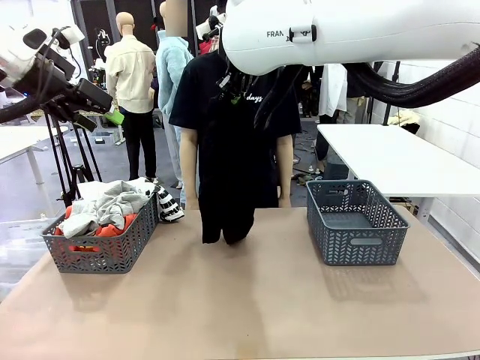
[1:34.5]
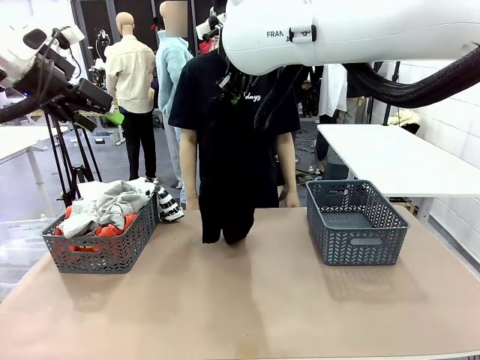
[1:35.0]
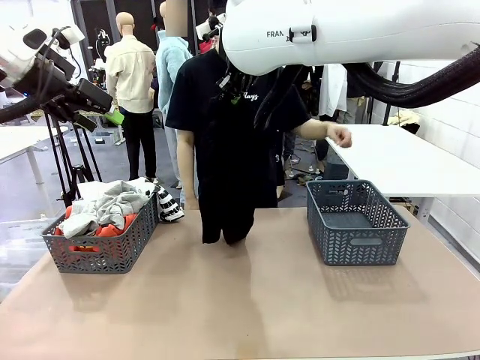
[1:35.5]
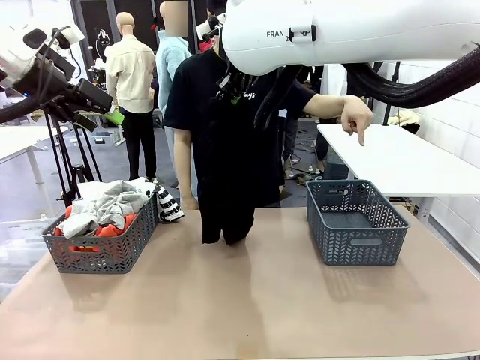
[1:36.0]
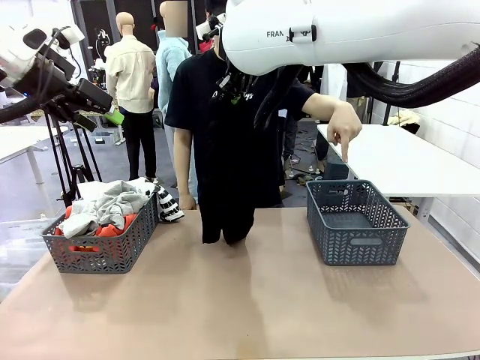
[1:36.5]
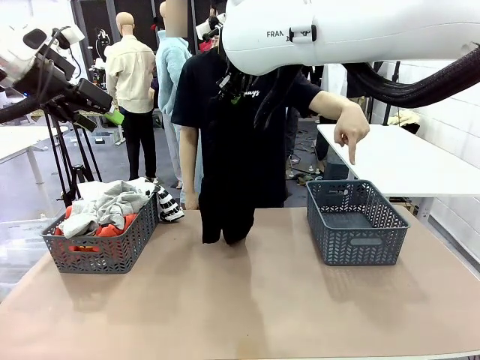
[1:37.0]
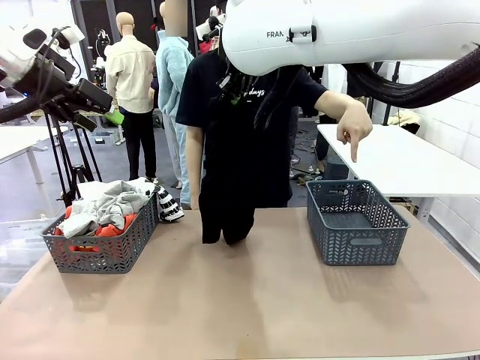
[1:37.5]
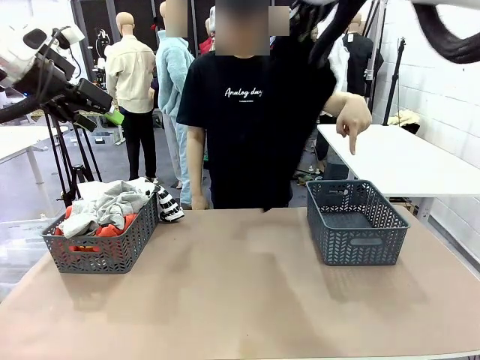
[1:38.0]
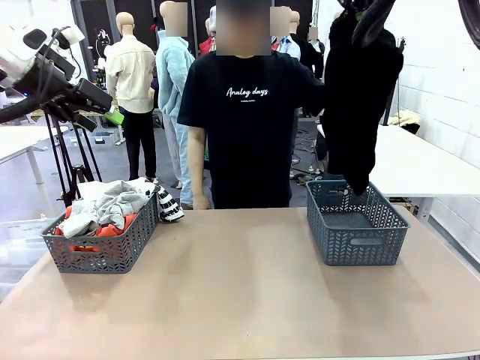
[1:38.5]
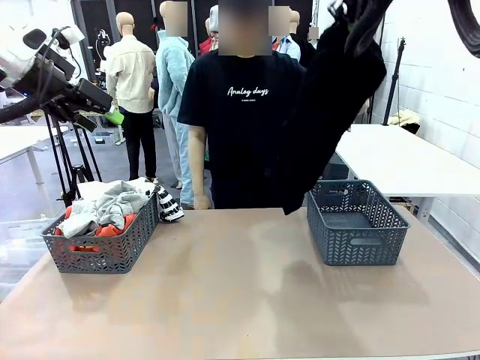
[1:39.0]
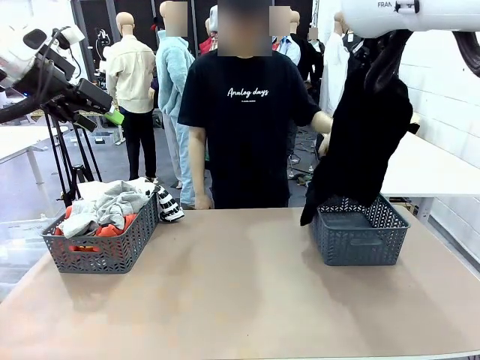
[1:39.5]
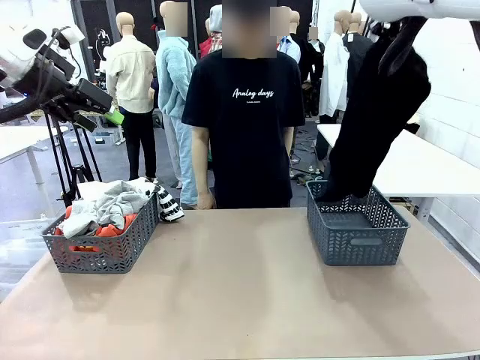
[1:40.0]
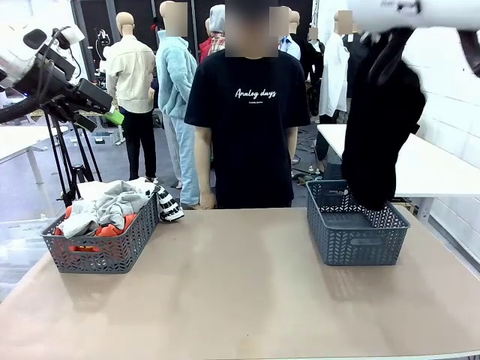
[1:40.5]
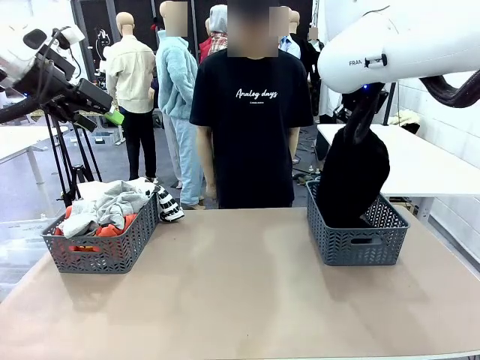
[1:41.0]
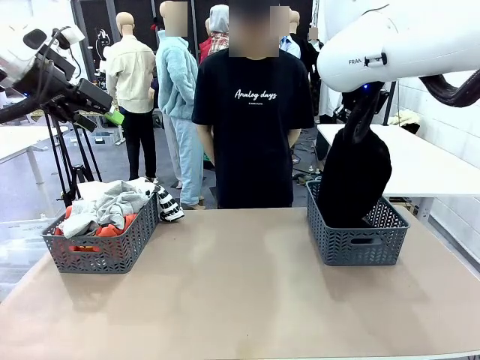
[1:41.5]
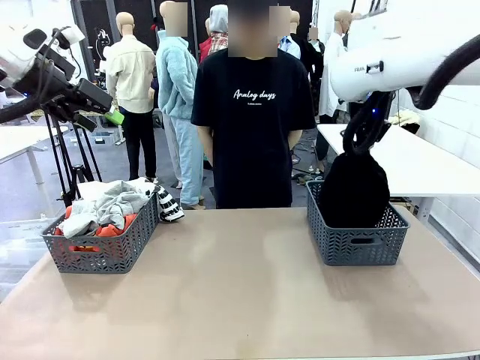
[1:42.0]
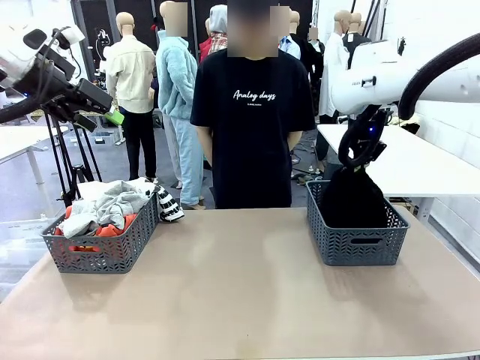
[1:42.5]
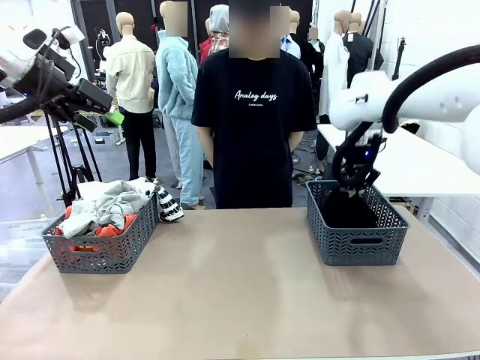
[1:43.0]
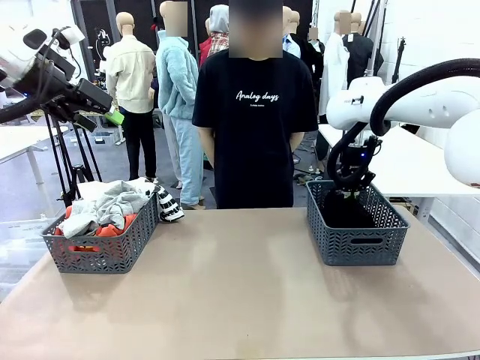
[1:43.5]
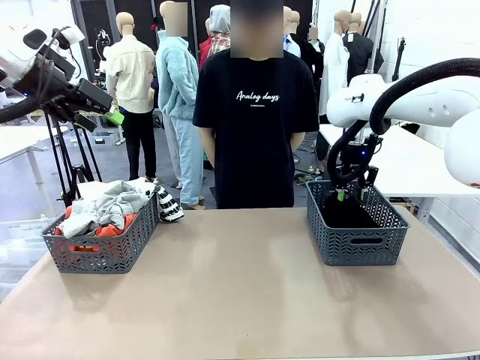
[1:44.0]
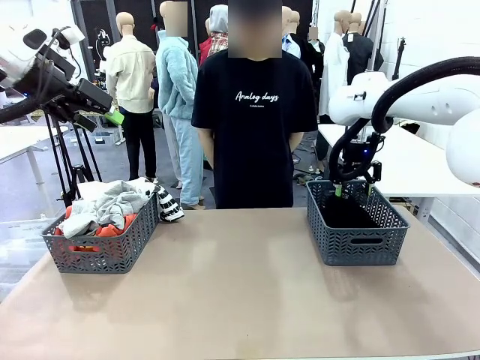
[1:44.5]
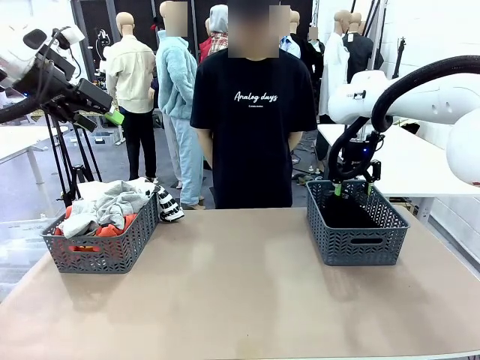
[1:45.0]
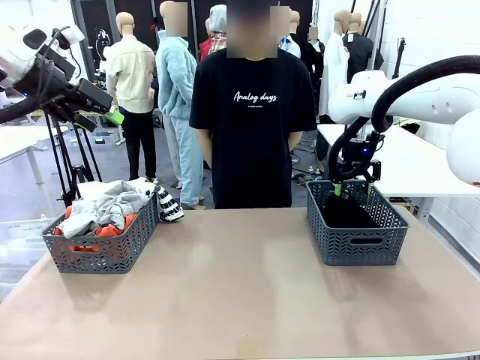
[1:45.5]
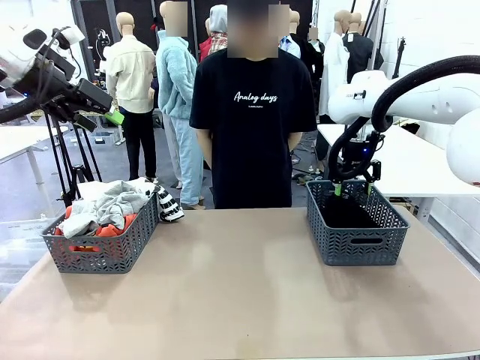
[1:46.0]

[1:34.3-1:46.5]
Task: Sort the tops and bottoms.
Robot: Sort the clothes according to human instructions.

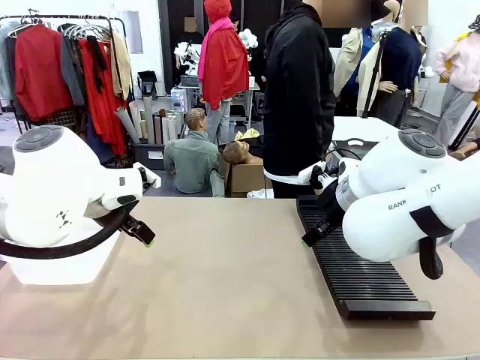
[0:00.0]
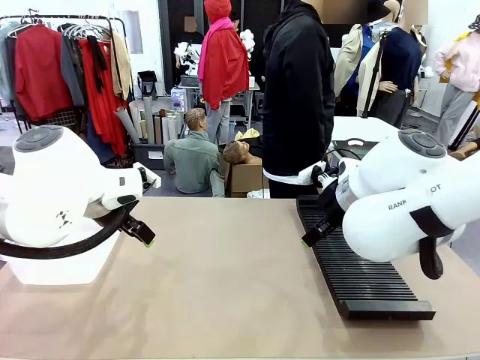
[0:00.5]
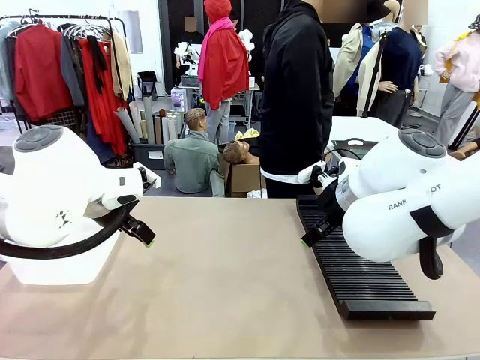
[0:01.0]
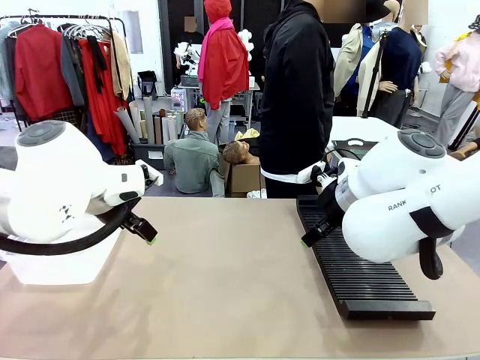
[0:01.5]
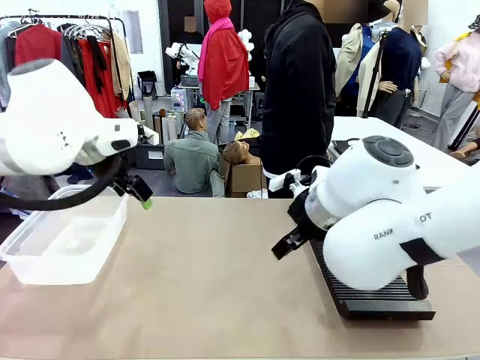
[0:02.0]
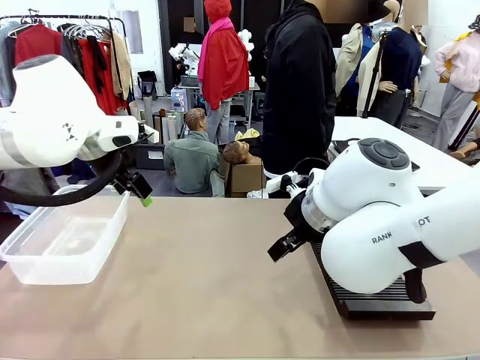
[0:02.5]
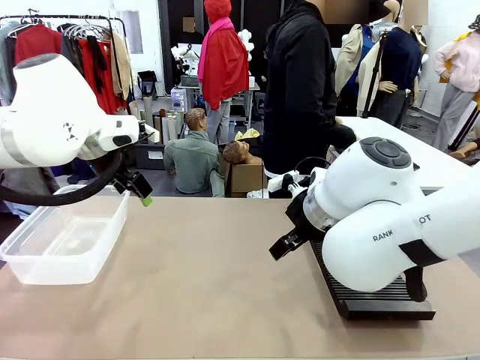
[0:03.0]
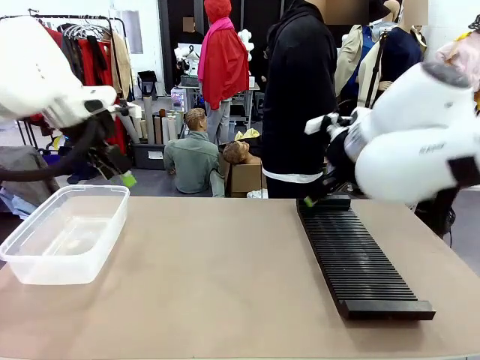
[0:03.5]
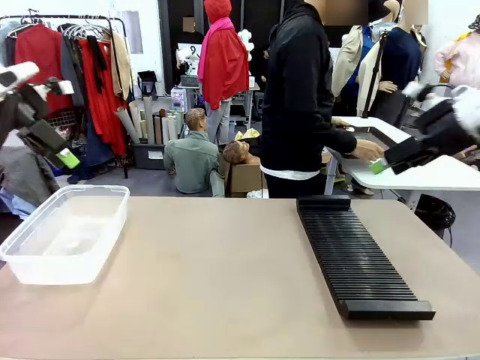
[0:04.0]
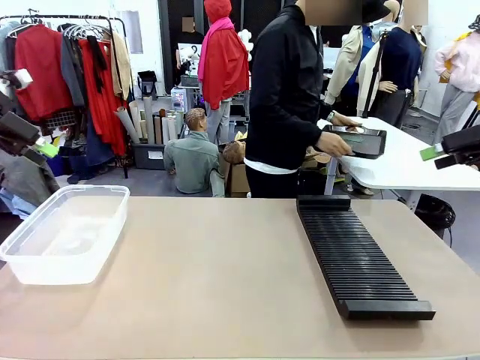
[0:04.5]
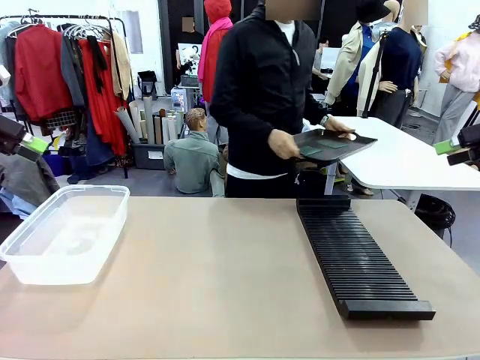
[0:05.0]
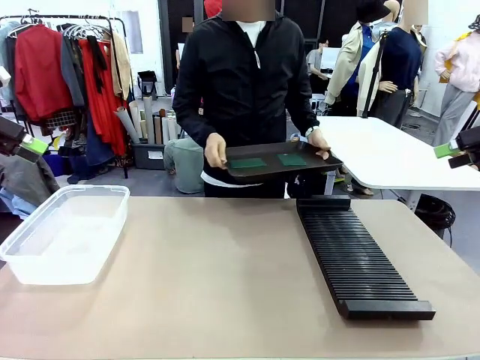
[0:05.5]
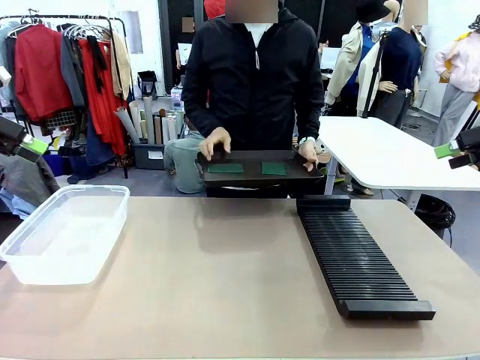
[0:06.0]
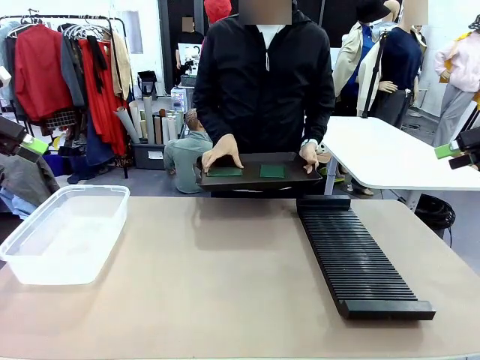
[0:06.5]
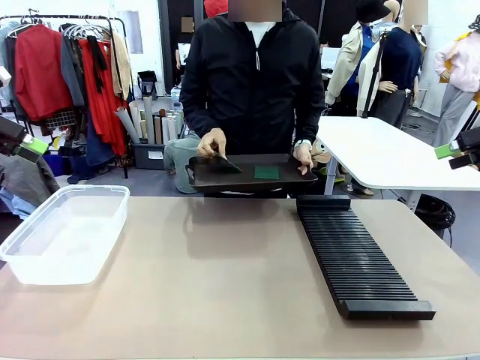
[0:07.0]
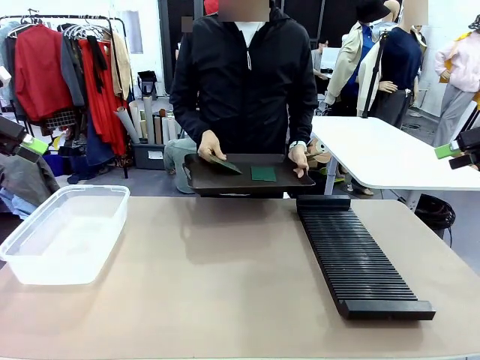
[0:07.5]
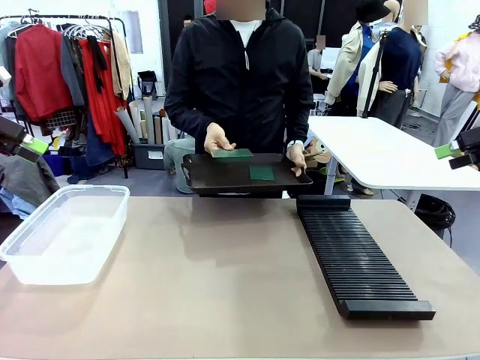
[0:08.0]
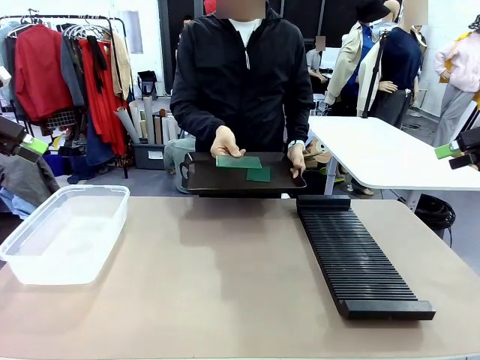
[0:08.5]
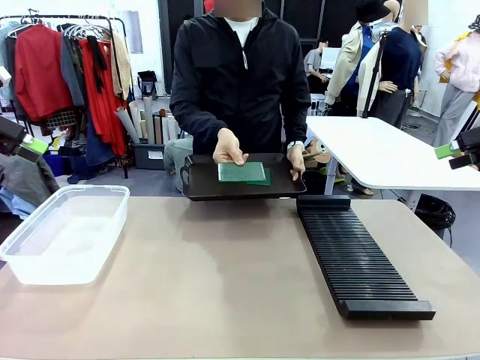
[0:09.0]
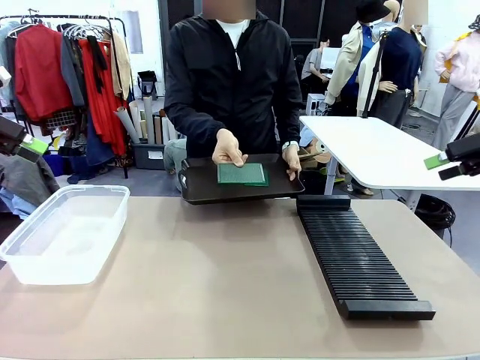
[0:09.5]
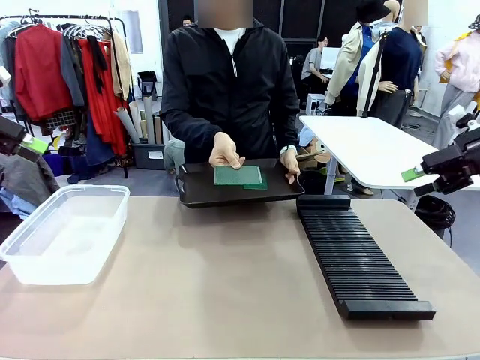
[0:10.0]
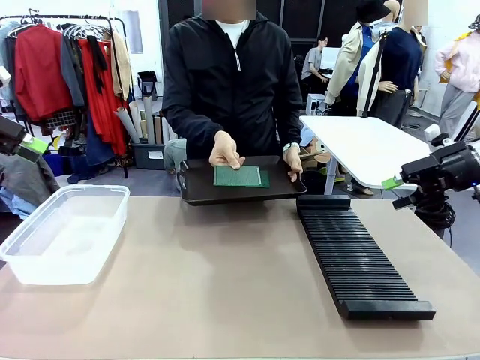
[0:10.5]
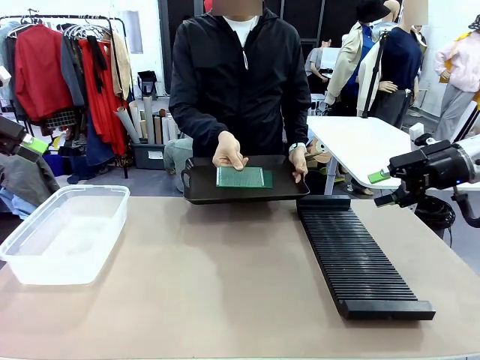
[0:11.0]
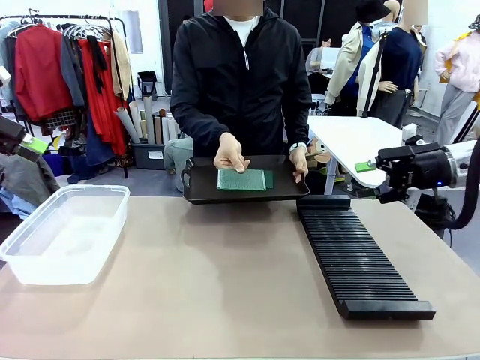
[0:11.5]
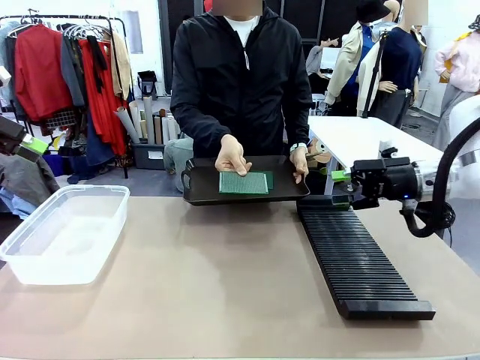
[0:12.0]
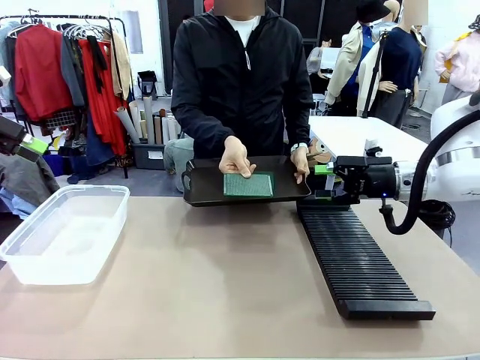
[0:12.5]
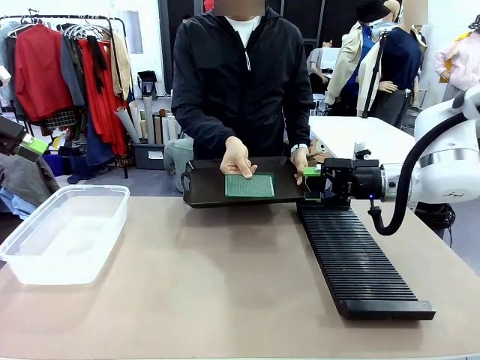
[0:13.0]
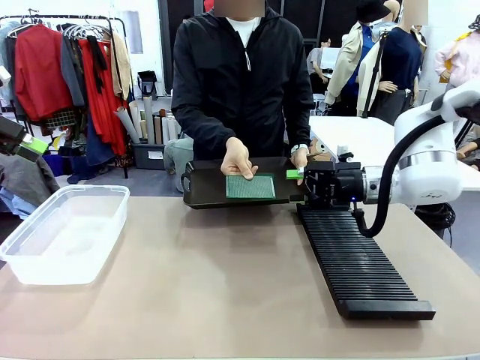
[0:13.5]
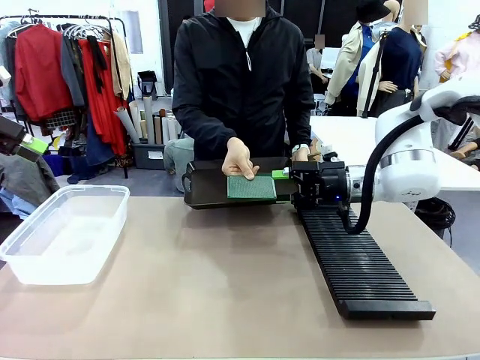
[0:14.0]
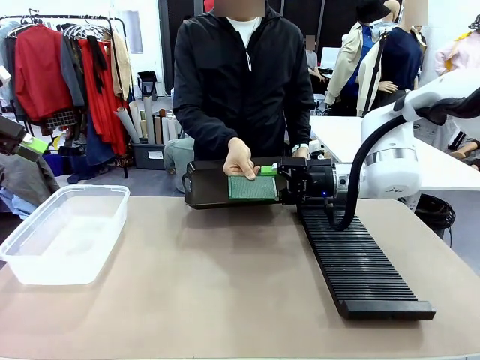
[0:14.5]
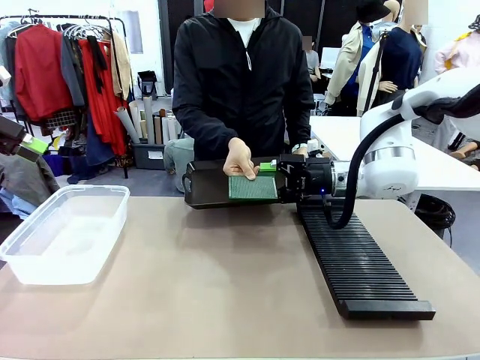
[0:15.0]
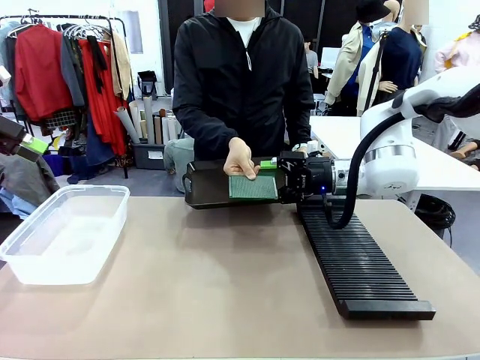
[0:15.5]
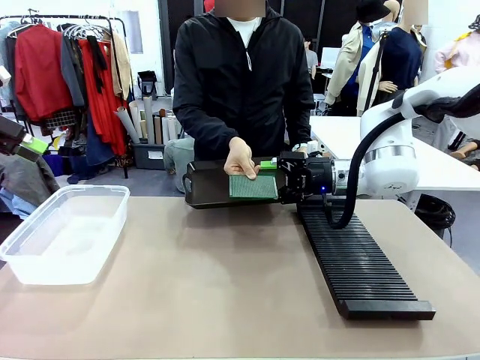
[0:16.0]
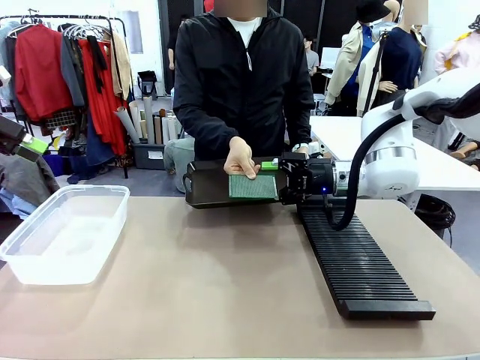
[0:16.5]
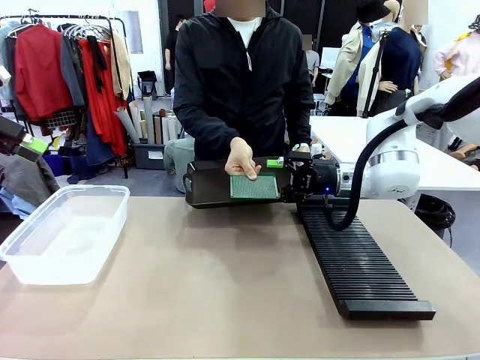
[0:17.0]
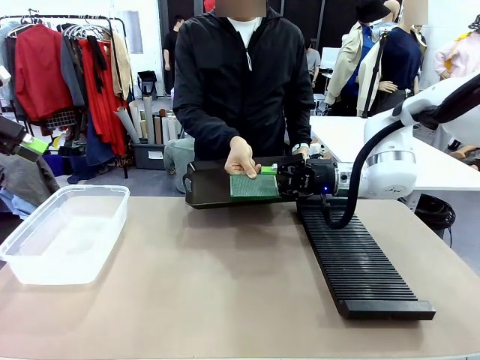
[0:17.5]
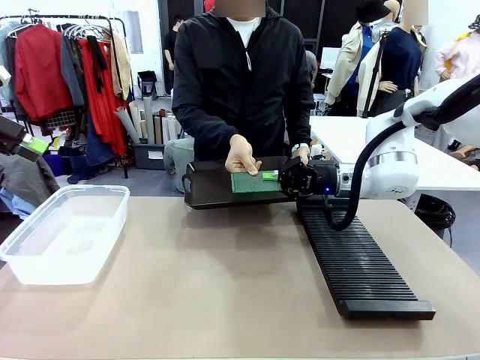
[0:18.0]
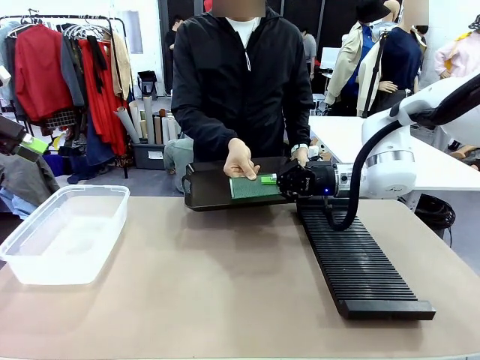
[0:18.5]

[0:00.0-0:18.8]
Task: Sort PCBs into racks and boxes based on the side picked up.
Robot: Pick up the Blank PCB handed by the Human.
Person: Pick one PCB from the tray and present it to the robot. Release the PCB being held.
